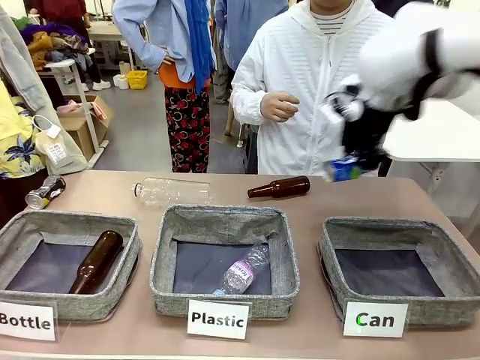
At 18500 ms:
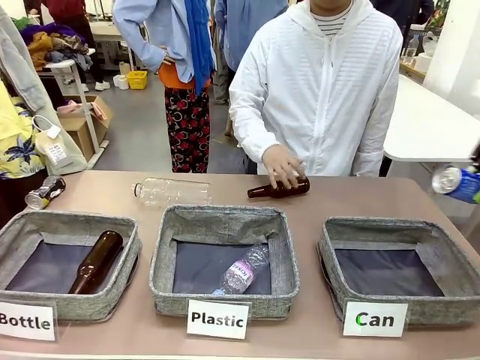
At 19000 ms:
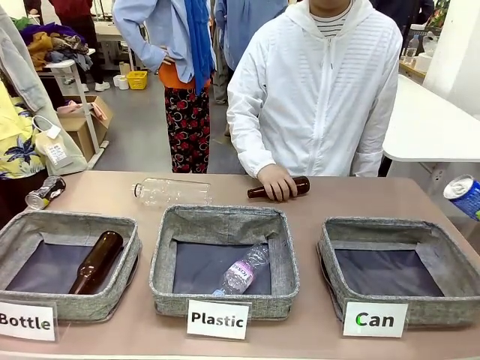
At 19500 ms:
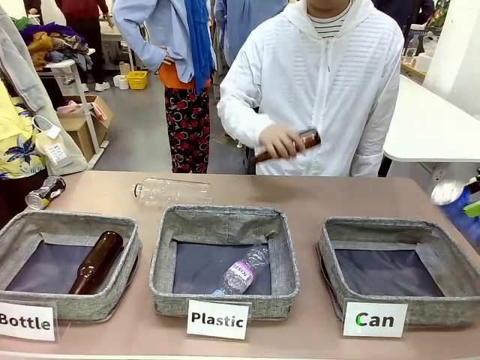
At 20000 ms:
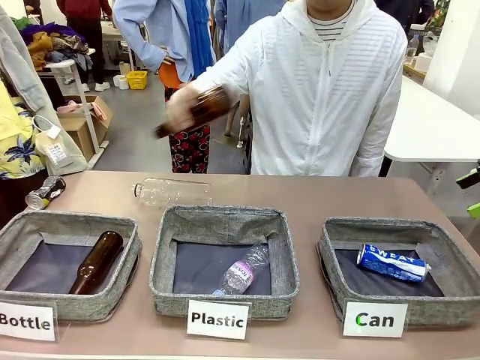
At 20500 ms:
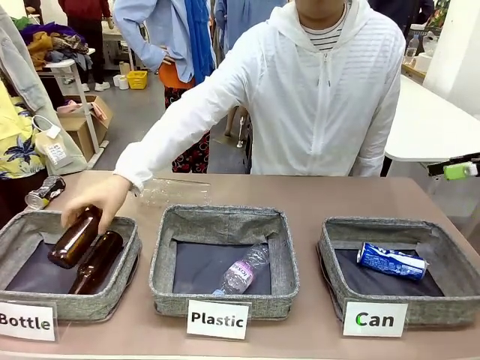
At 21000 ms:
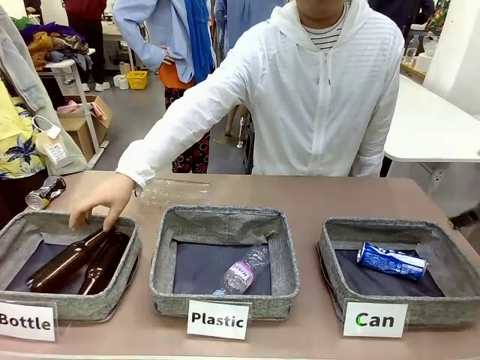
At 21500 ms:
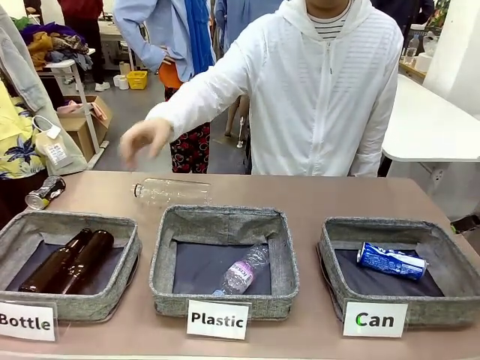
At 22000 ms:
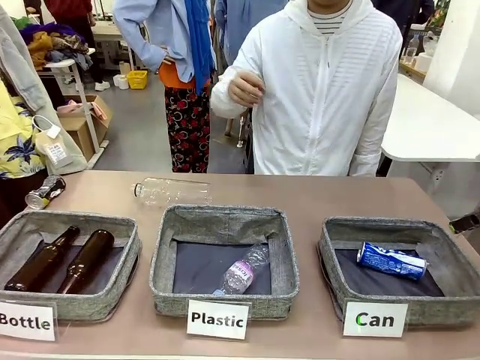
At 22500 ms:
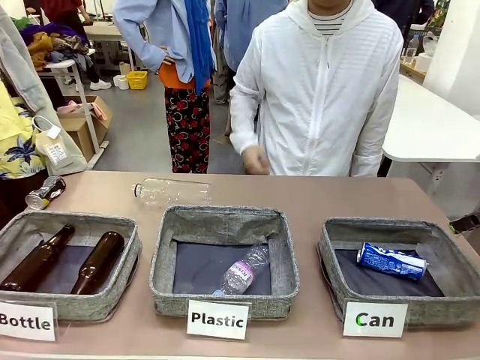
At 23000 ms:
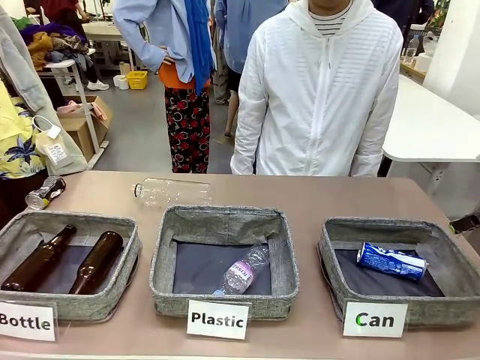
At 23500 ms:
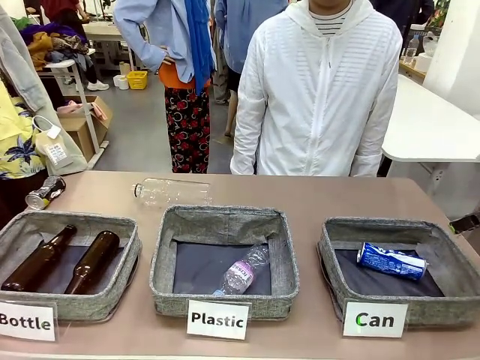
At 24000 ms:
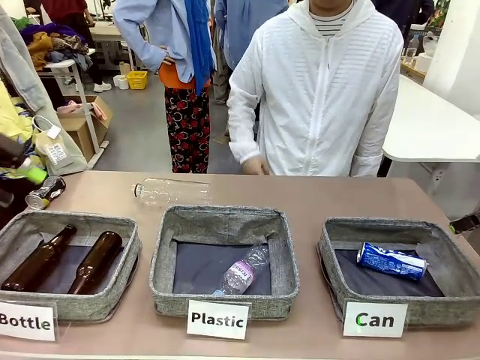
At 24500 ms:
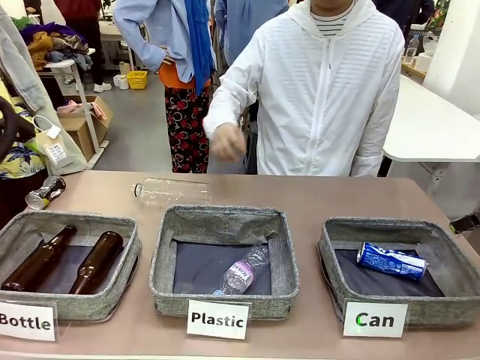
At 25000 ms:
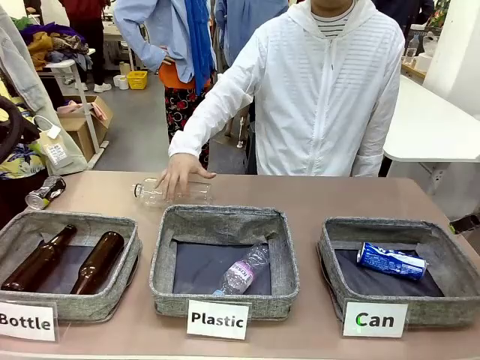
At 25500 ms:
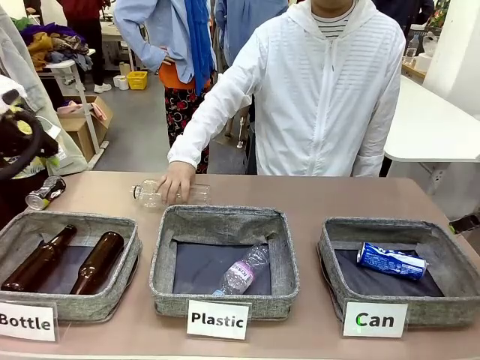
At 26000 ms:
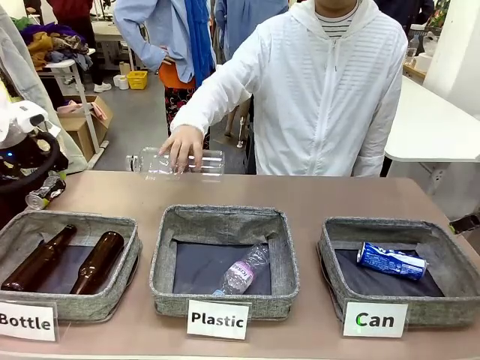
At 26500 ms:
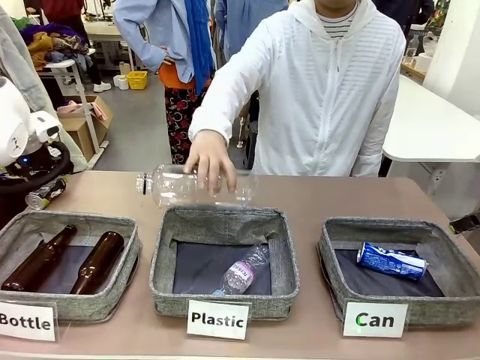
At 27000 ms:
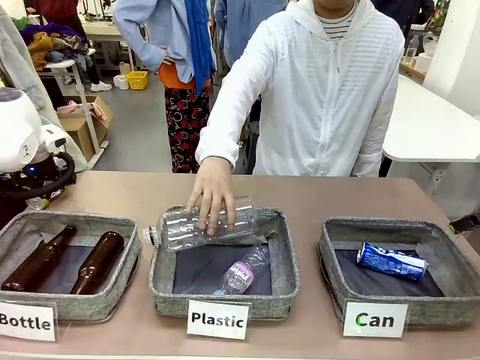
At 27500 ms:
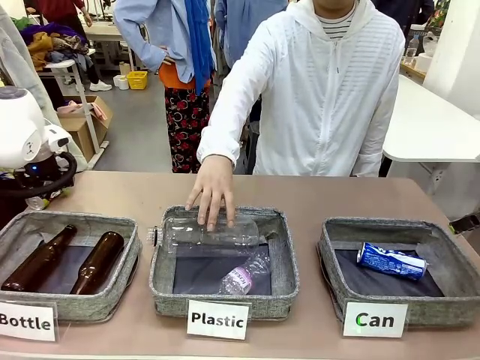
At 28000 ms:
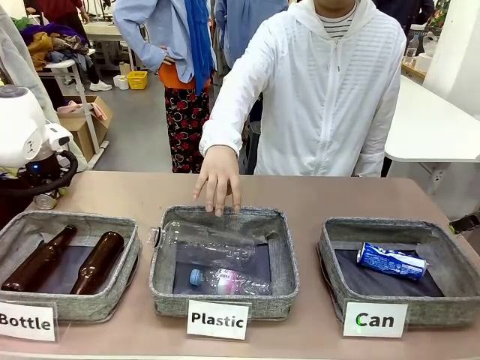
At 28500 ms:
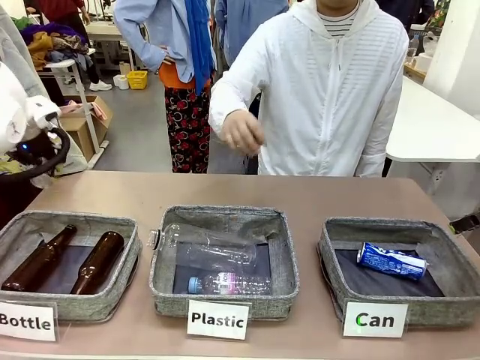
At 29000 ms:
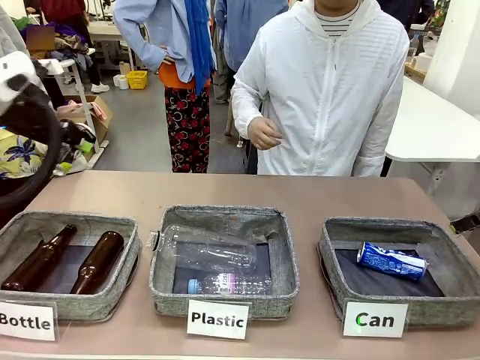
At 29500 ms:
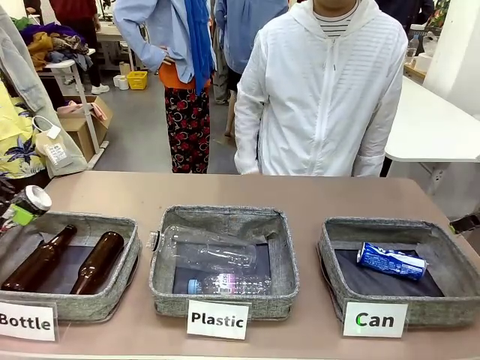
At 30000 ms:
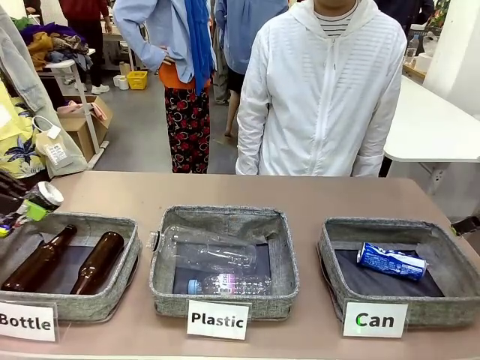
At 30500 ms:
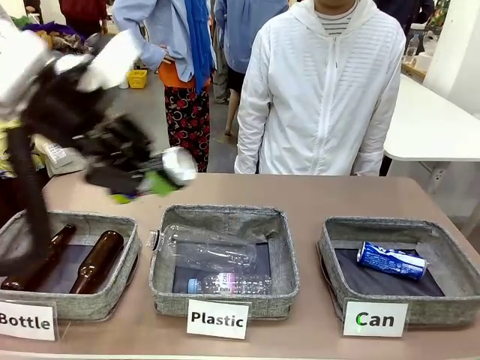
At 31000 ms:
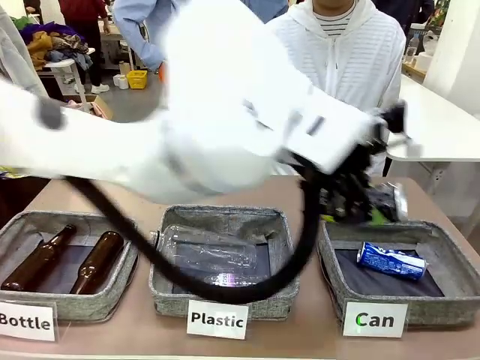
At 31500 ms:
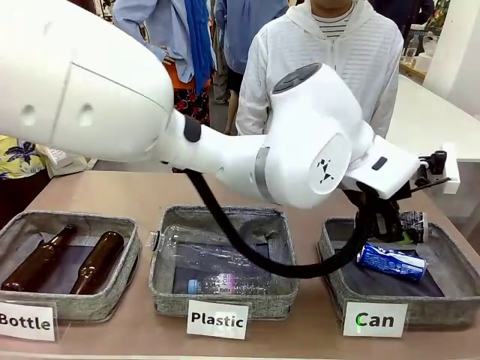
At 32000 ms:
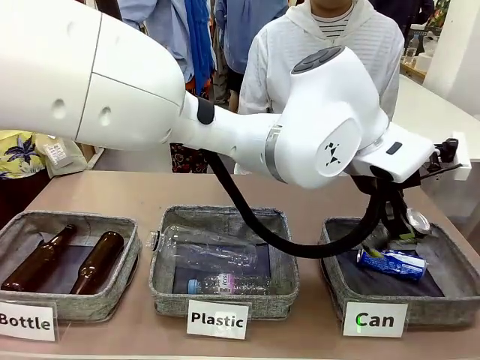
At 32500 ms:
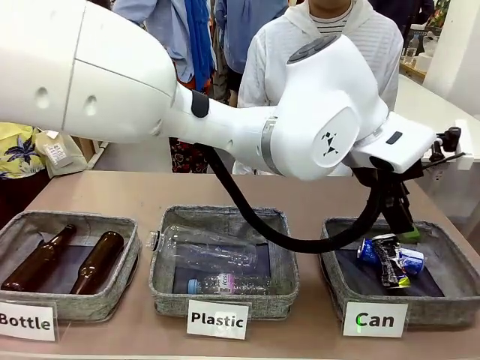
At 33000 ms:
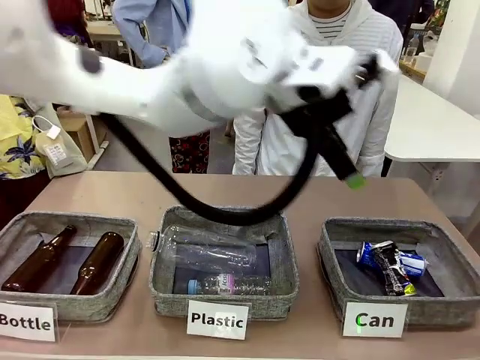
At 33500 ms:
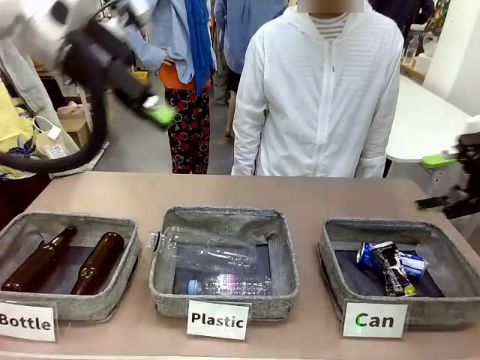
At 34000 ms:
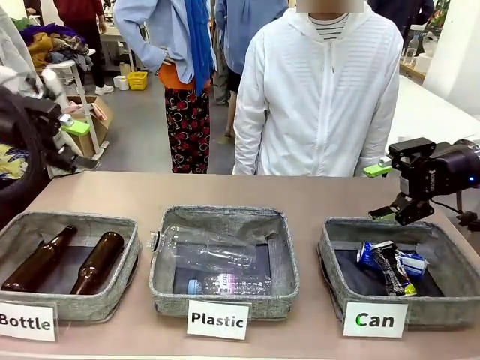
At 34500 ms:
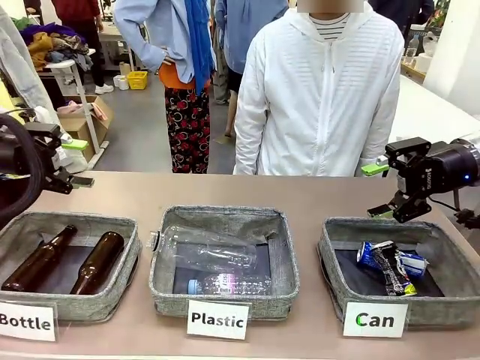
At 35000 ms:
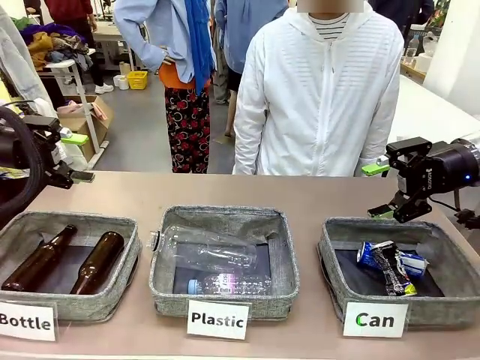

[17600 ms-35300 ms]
Task: Sort the can waste into the basket.
Robot: Pick up the can waste from the table and place it in the right Fabric basket.
Person: The human picks up one piece of trash that is not a can and places the trash into the appropriate organizing basket.
